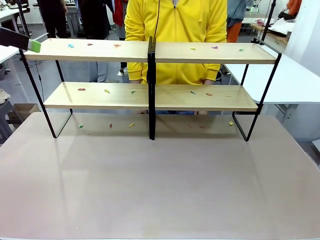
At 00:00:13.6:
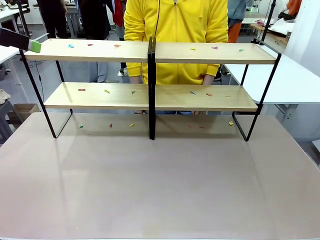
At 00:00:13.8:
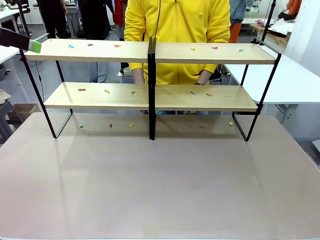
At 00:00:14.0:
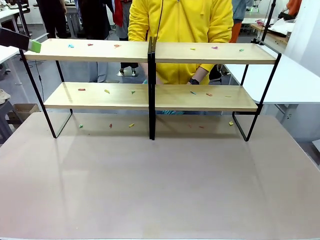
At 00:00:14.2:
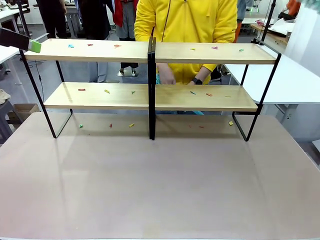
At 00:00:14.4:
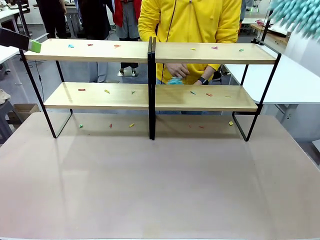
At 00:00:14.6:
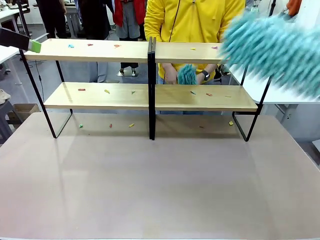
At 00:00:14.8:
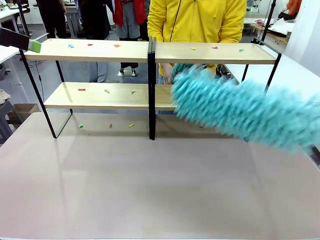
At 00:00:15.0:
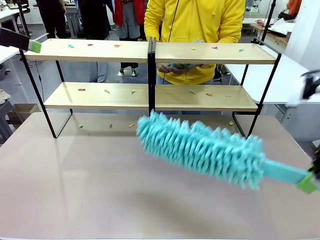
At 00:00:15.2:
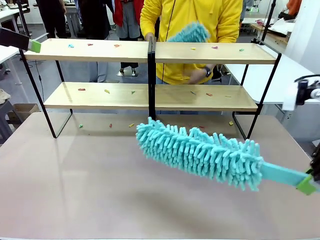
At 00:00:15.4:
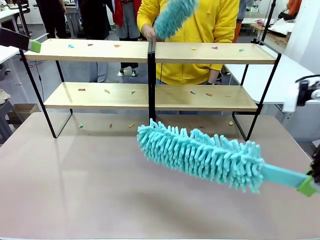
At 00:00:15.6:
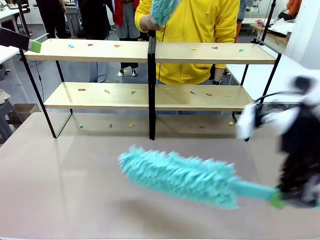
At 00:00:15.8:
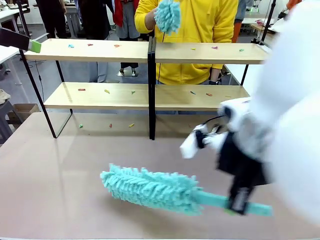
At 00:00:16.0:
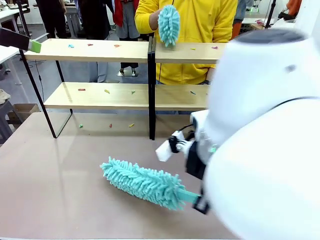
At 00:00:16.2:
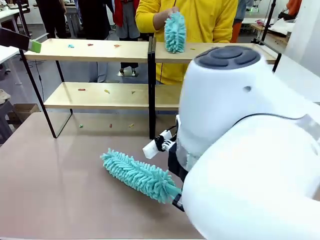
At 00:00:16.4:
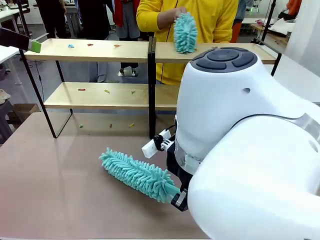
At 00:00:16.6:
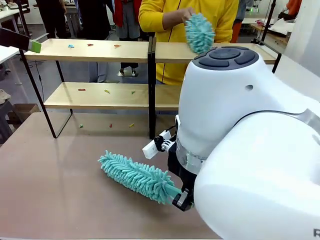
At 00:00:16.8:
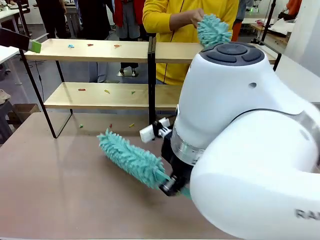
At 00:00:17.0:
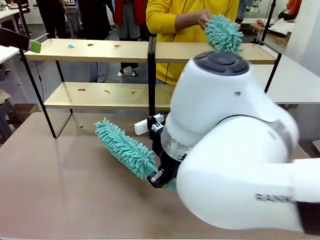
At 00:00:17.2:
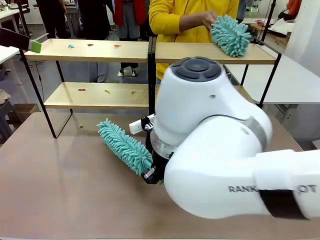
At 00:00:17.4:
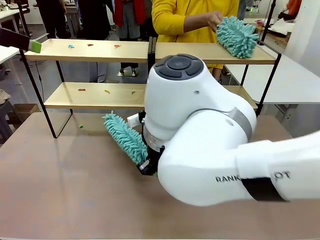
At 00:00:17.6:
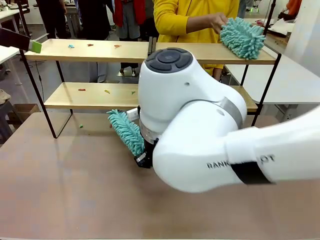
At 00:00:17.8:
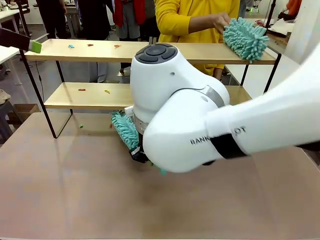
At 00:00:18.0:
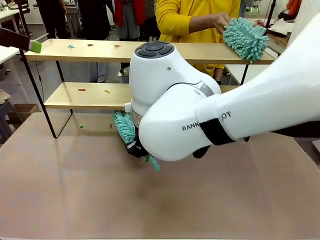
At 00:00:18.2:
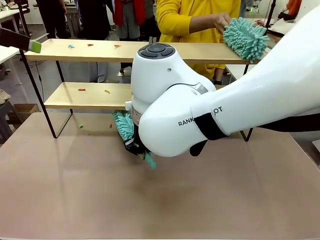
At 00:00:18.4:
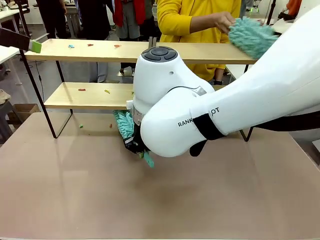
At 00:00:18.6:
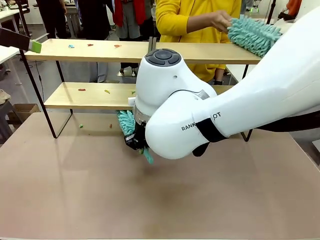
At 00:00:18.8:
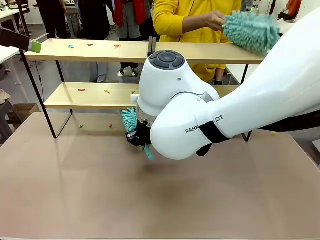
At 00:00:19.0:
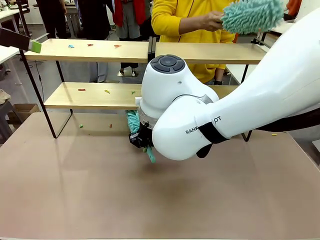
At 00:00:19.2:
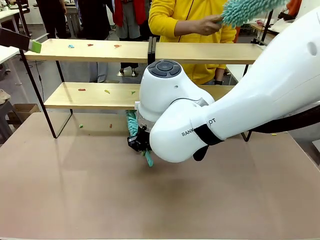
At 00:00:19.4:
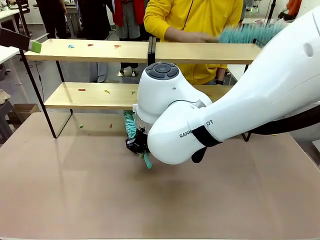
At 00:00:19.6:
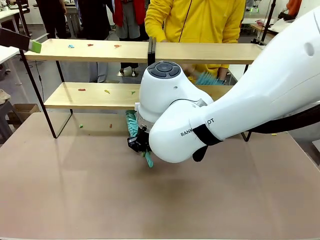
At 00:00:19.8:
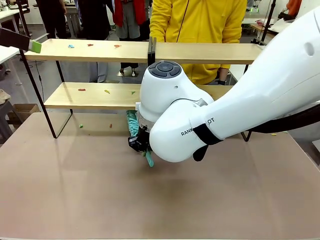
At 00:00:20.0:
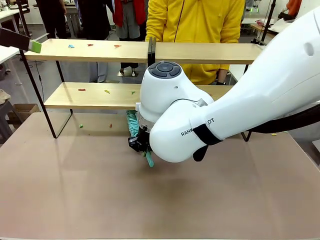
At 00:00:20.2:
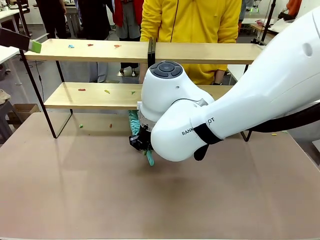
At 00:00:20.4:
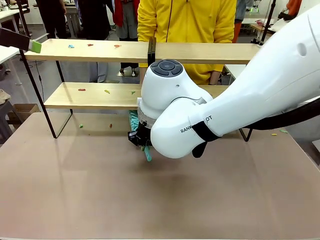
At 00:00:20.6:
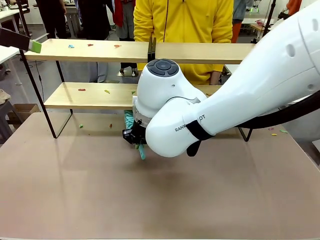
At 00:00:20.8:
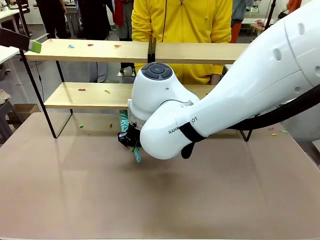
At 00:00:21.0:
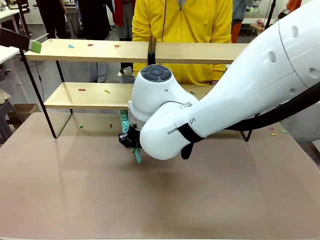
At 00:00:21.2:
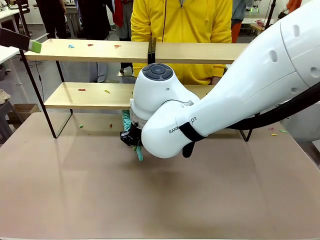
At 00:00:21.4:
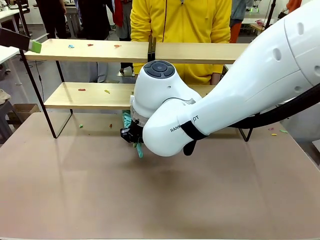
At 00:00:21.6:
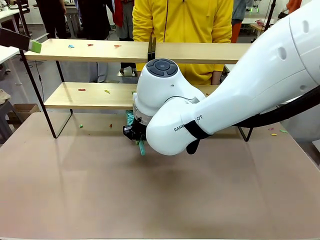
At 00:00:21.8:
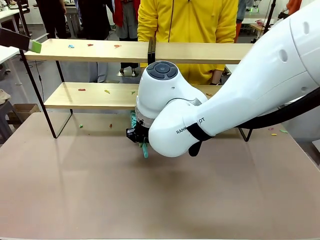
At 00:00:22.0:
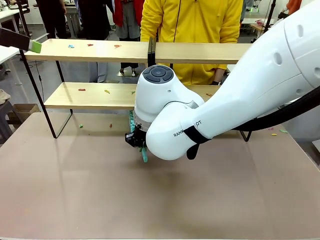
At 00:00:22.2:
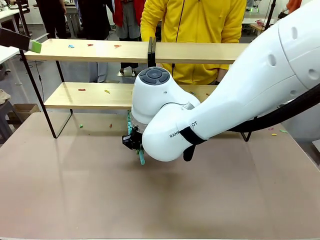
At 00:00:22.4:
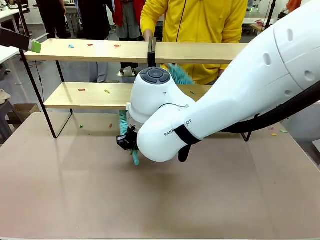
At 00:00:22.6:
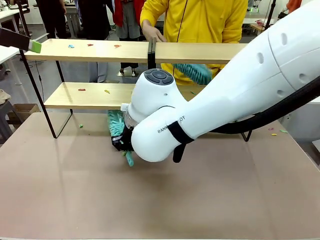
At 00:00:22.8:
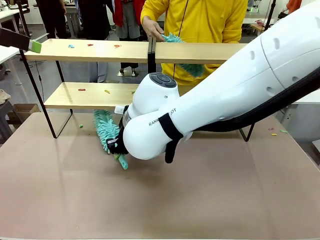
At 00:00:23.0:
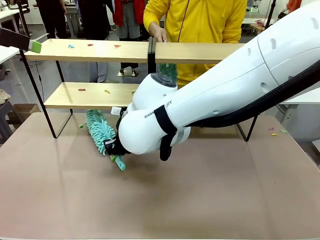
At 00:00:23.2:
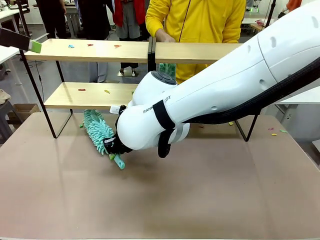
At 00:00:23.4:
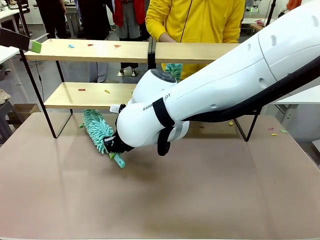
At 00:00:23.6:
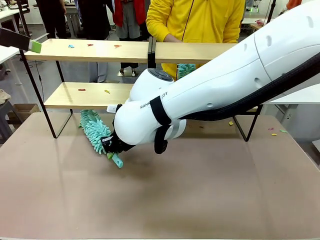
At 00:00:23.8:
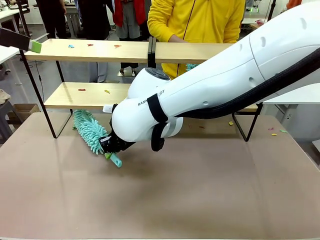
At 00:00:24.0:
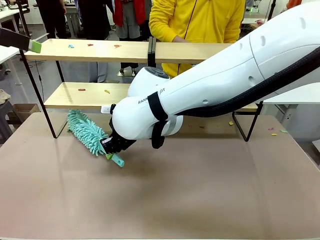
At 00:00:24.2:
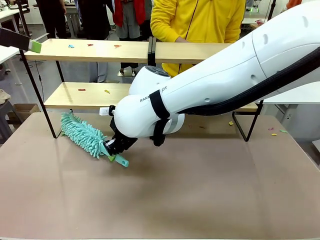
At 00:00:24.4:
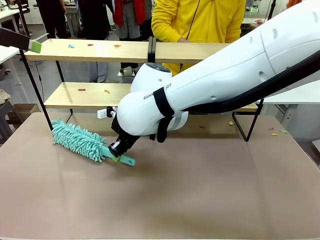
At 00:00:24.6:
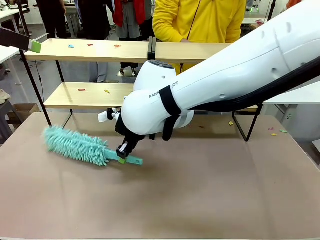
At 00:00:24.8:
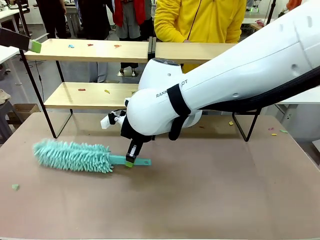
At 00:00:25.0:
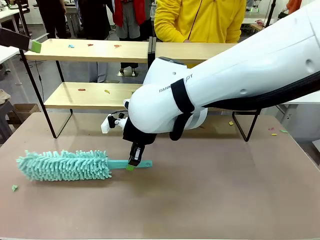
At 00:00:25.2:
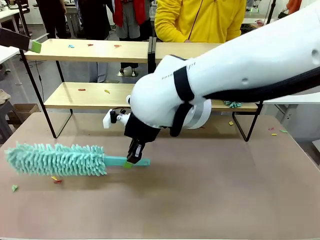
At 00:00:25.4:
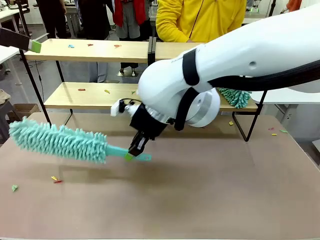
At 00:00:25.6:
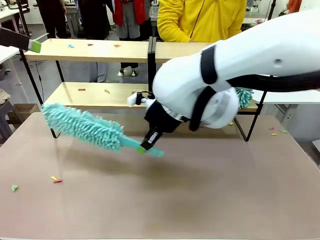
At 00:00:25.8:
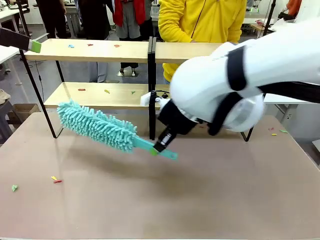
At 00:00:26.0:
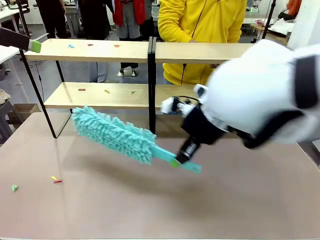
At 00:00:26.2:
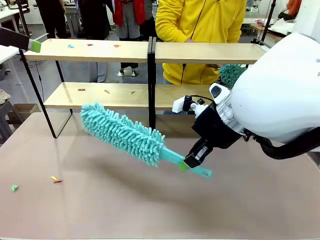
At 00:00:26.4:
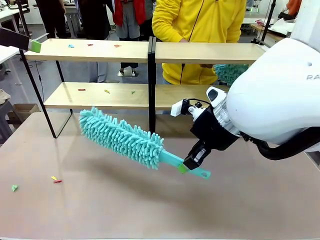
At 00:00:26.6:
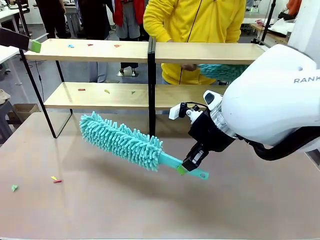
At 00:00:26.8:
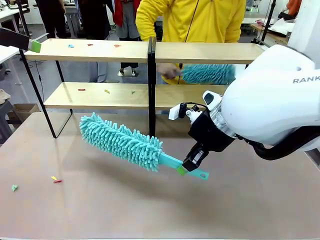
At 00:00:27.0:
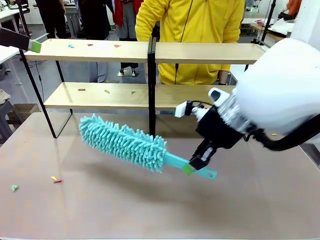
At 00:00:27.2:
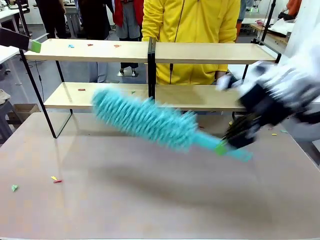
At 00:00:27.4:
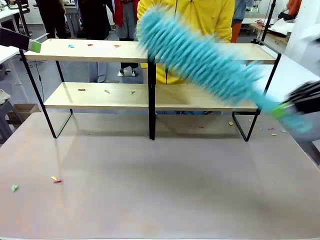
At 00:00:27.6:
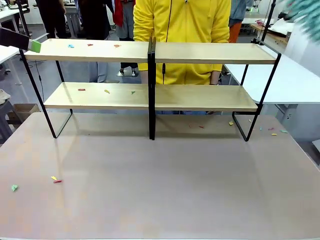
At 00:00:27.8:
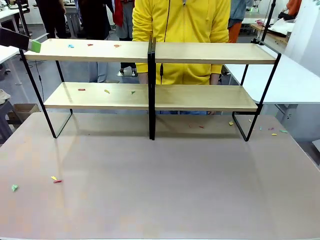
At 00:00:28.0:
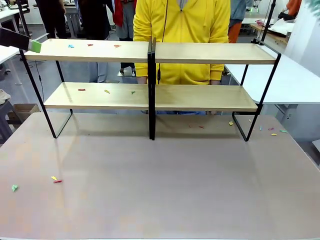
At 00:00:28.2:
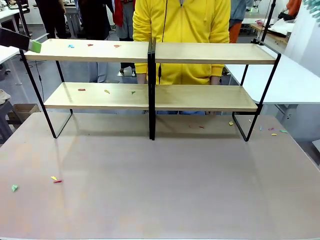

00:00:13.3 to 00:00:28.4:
Task: Clean the shelves.
Robot: Clean a randomly selected level of the Shelf with the Duster.
